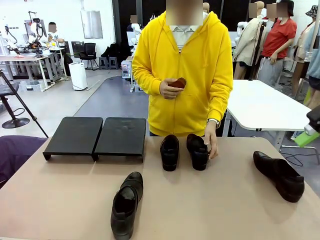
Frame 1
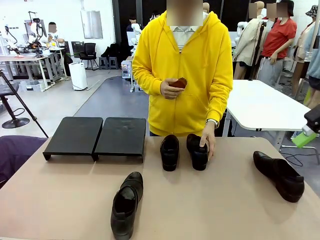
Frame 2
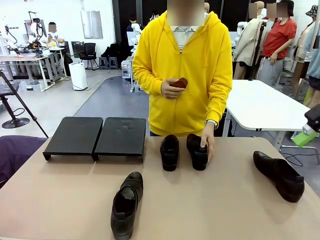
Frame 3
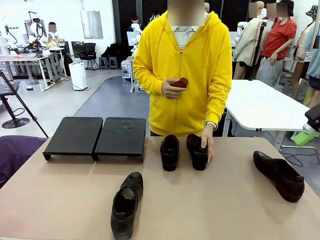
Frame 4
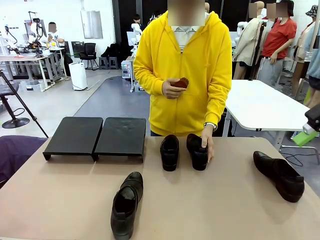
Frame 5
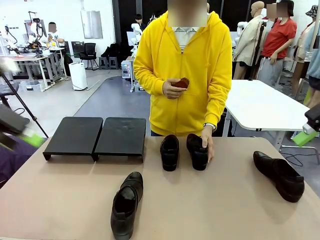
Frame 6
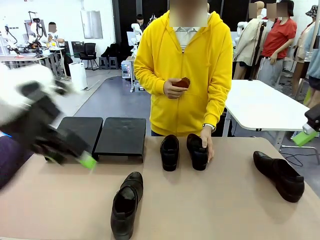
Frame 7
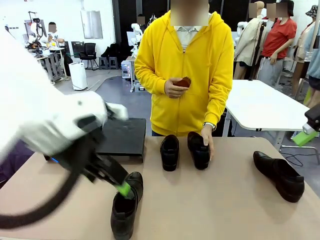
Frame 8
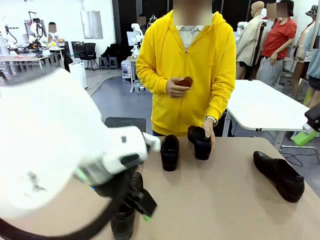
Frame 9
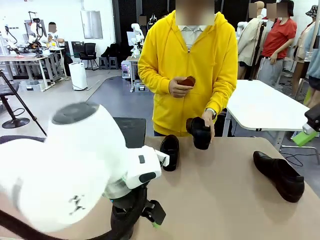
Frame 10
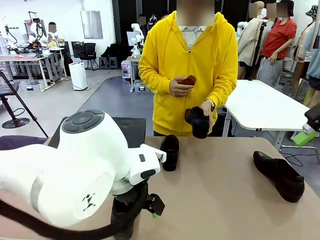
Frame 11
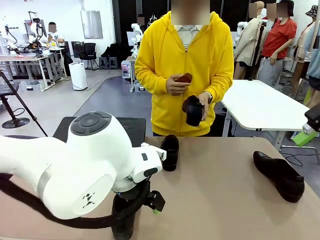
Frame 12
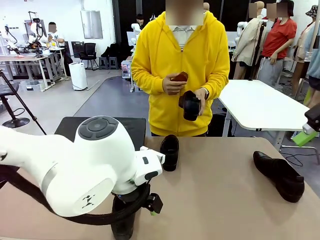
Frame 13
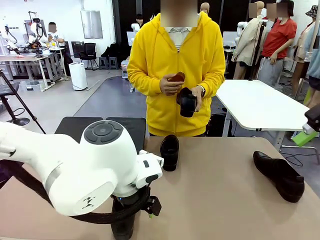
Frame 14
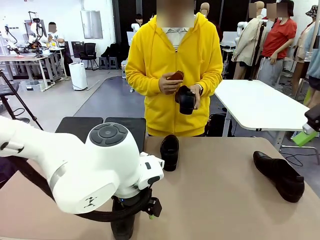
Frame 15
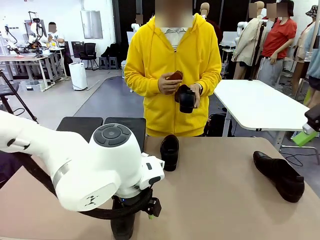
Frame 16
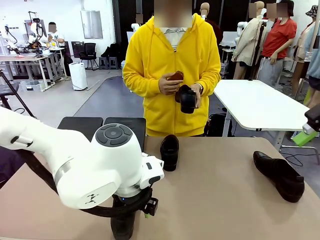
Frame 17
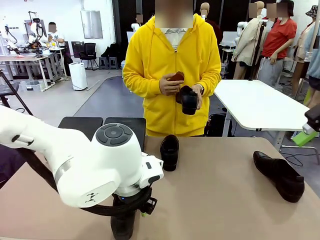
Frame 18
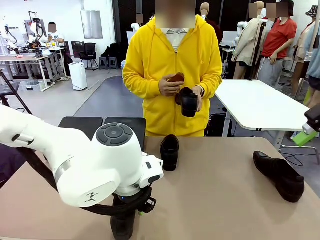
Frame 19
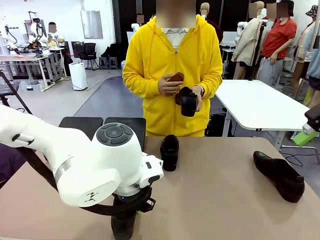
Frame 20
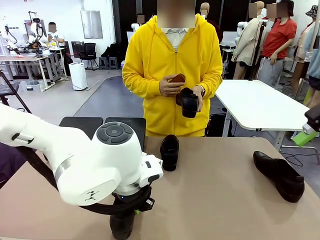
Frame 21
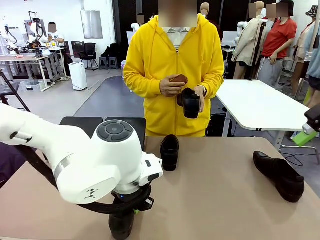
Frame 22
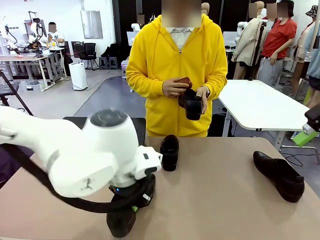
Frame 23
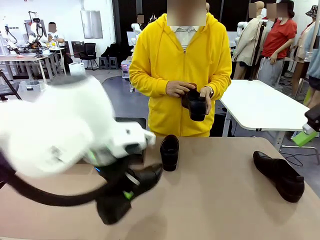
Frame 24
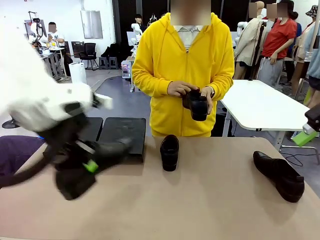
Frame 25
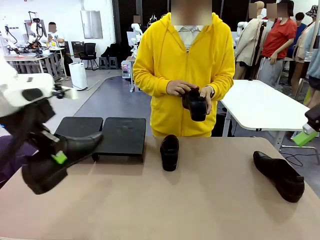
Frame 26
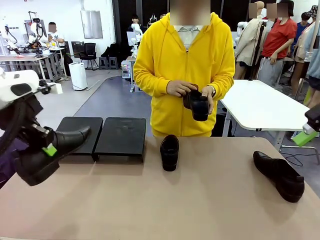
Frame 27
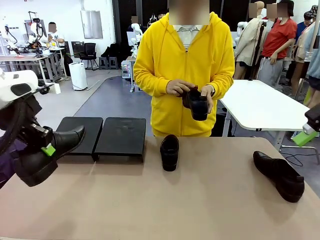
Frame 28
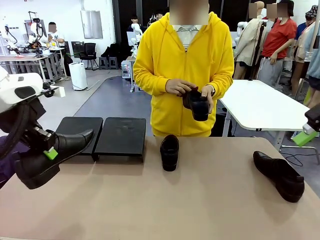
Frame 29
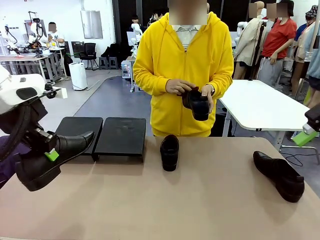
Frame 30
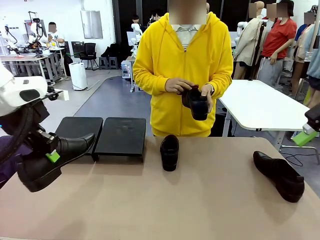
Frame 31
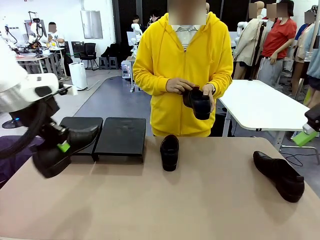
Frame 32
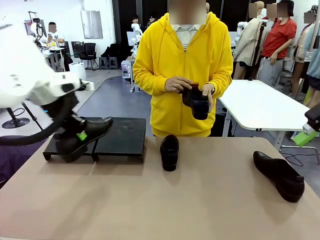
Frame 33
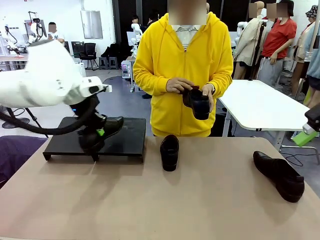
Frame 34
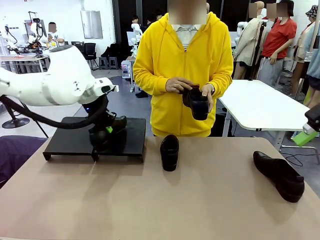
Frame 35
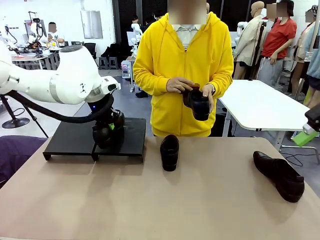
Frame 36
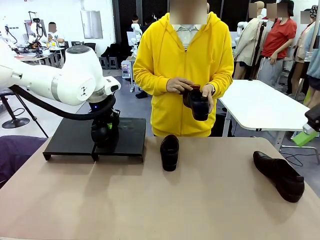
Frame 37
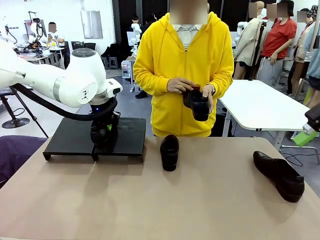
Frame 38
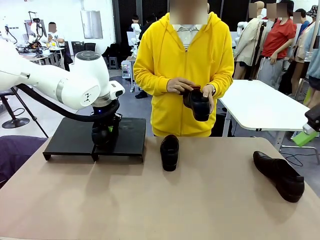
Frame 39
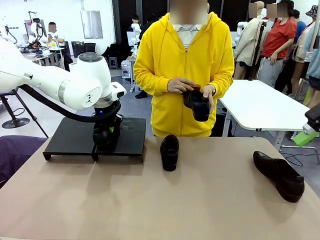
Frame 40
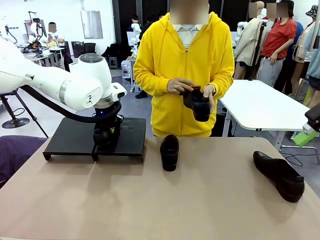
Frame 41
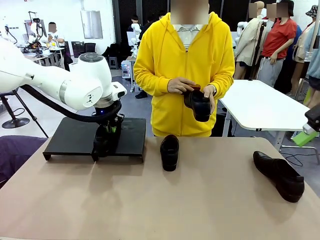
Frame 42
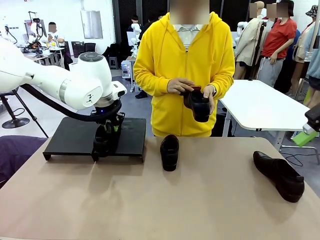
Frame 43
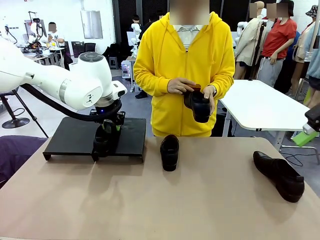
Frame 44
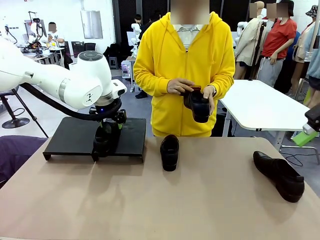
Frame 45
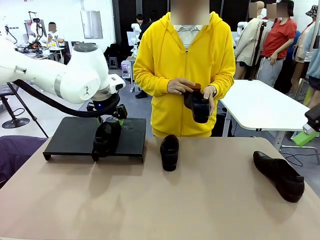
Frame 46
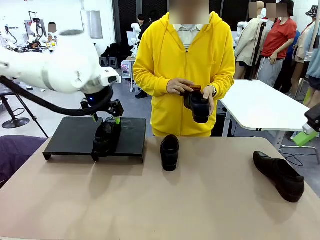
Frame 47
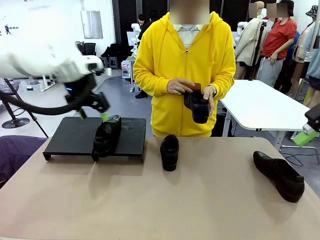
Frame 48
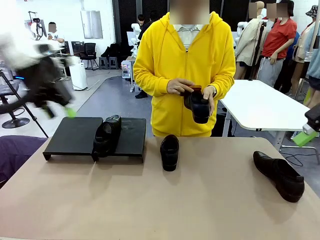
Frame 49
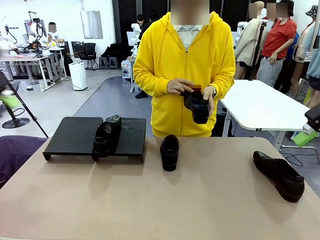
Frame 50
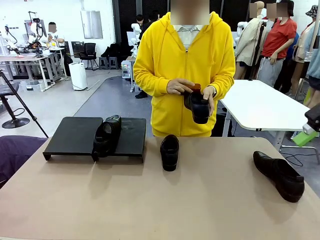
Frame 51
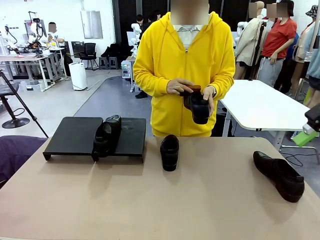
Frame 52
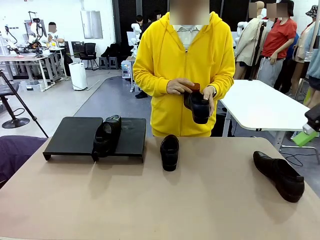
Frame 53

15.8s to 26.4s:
Task: Organize the shoes by placing them on the stand.
Robot: Place the Shoe from the middle of the table onto the Shoes Stand.
Person: Pick one Shoe on Robot's table. Clean the Shoe with the Shoe Brush.

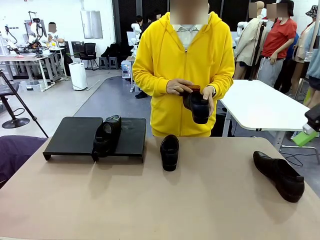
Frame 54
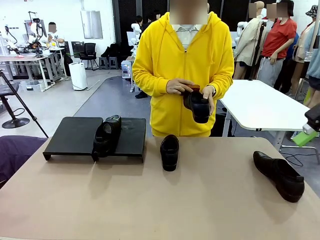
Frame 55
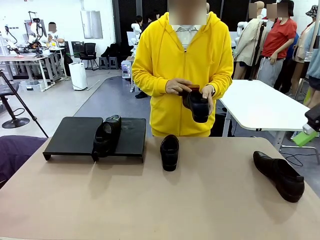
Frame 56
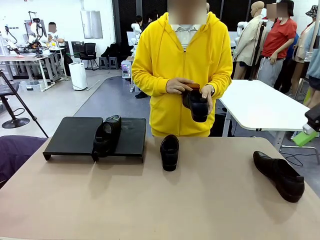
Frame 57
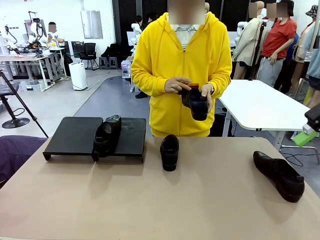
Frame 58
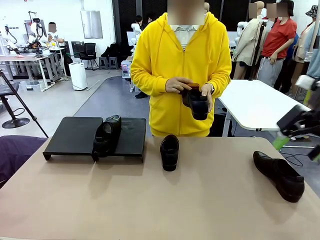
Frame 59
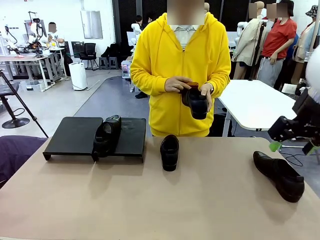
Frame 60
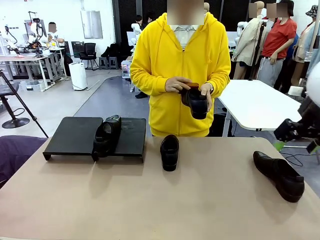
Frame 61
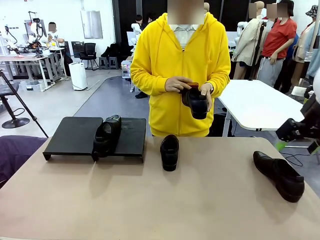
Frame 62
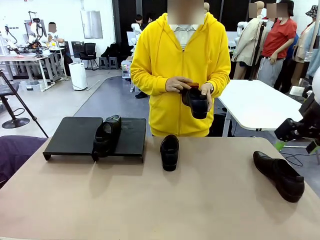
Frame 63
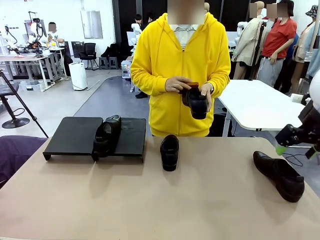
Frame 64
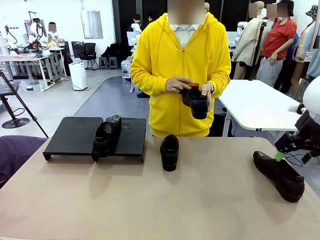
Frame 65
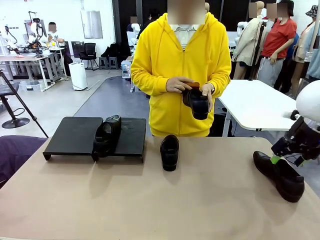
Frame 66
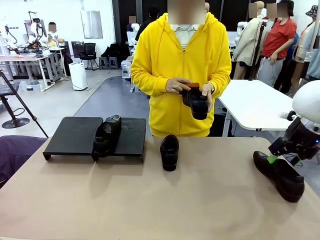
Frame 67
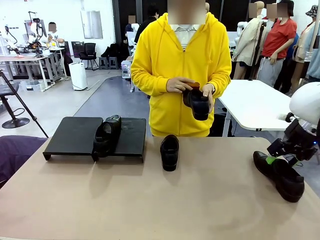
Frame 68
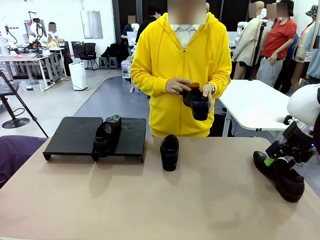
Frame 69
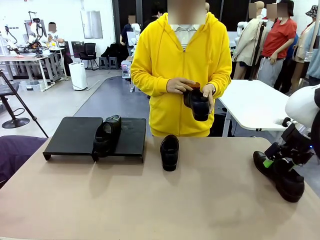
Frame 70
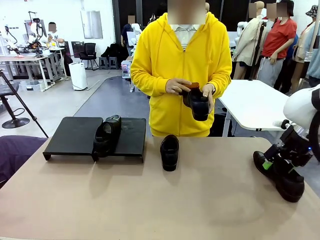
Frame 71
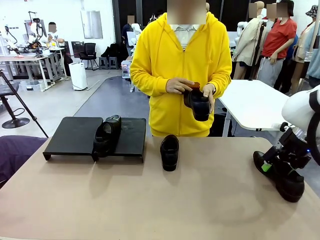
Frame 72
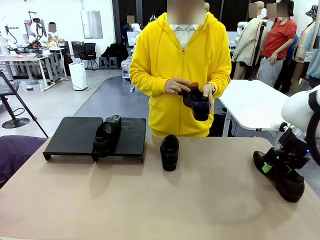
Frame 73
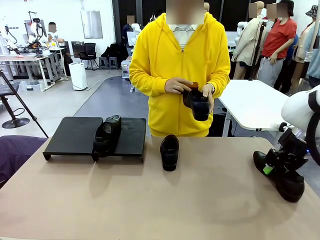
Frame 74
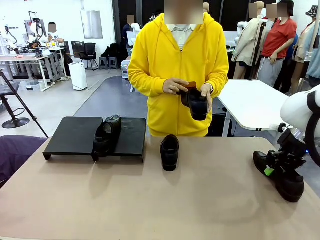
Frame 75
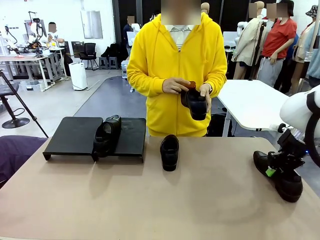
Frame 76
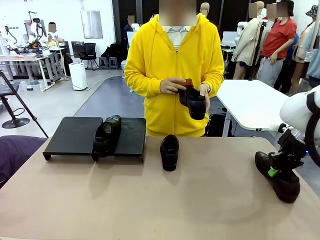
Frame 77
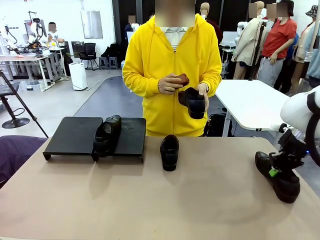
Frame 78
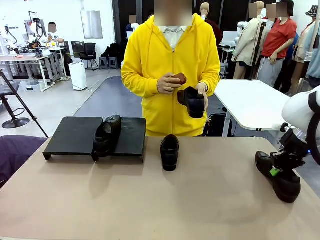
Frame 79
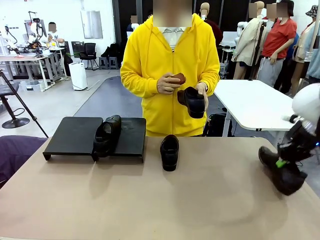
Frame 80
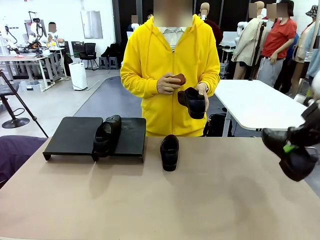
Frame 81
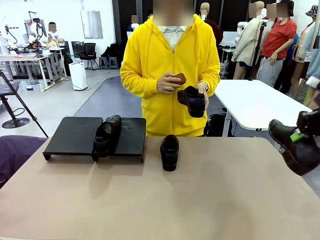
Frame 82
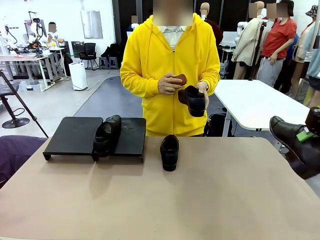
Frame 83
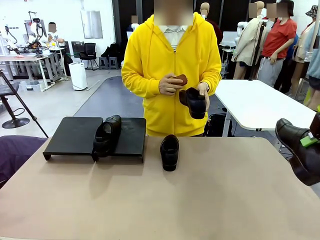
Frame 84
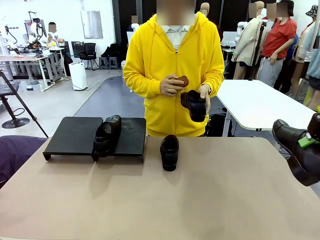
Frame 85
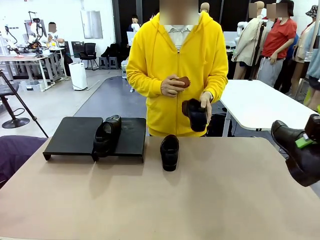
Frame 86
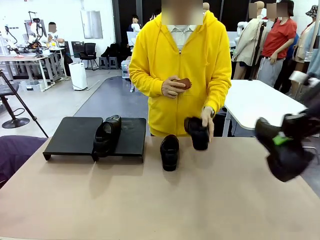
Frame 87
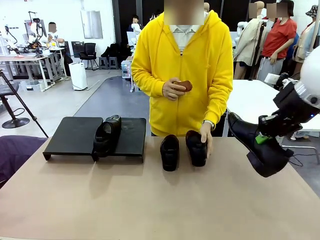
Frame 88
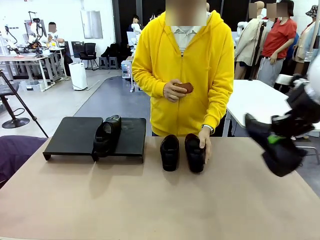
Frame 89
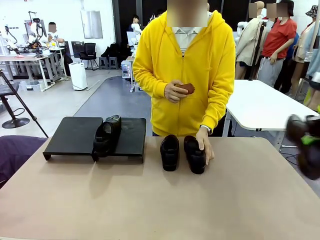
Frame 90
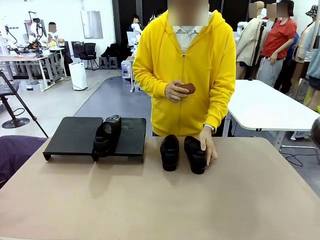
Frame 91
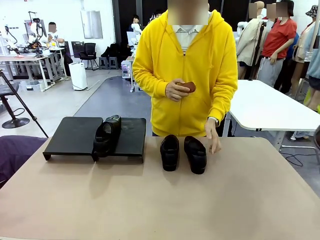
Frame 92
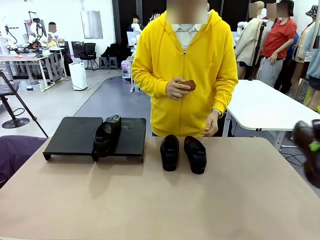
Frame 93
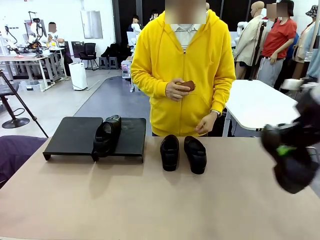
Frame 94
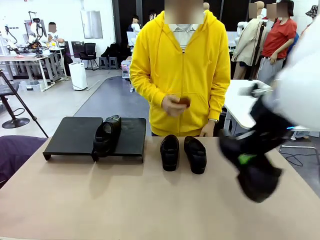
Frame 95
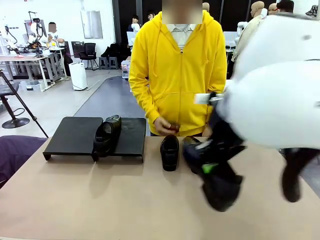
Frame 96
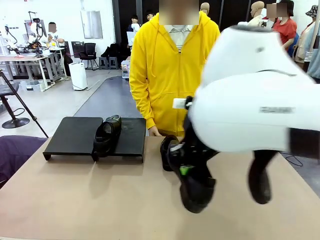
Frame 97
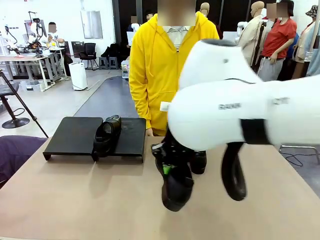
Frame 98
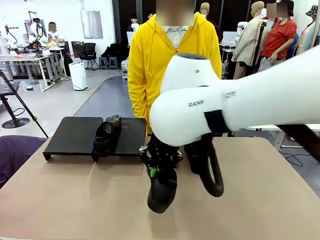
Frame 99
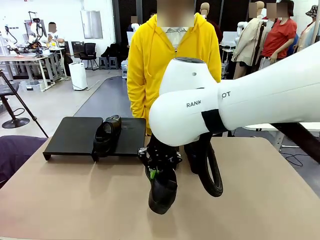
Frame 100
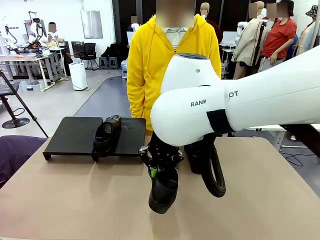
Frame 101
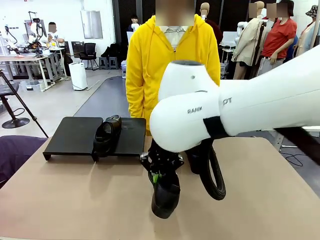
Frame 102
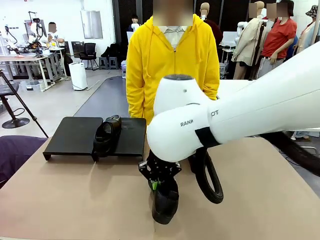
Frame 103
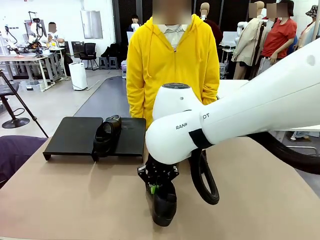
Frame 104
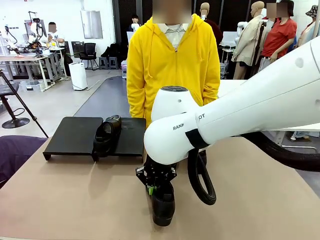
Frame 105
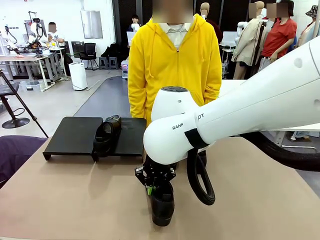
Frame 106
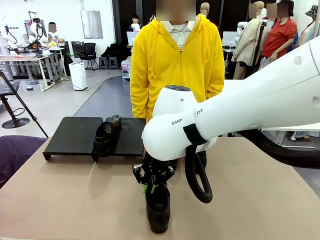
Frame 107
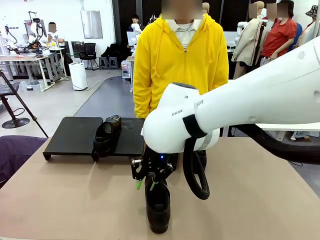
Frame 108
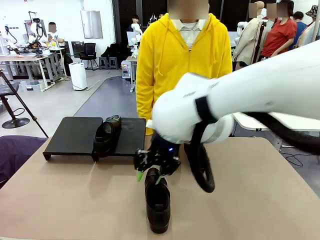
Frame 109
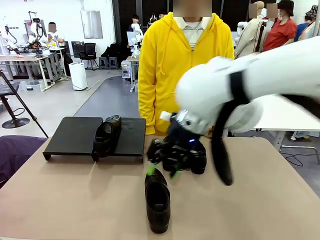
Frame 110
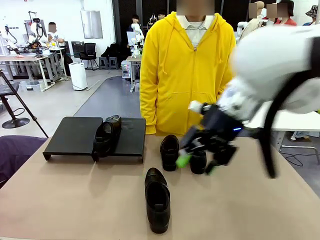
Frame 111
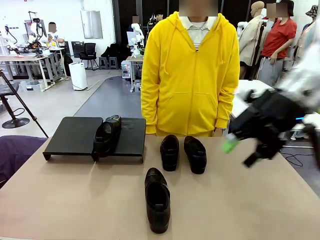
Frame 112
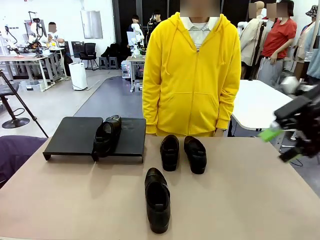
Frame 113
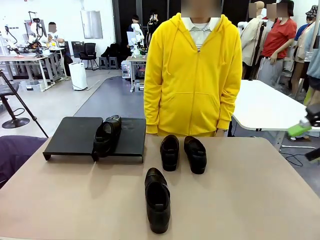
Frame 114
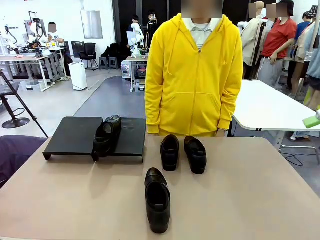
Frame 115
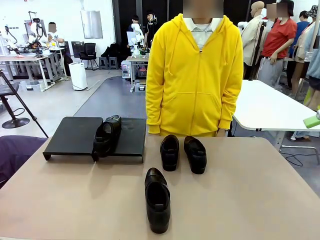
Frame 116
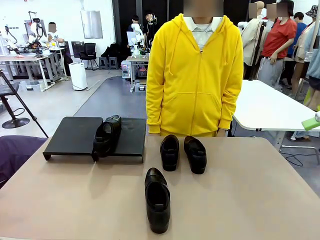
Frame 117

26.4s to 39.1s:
Robot: Pick up one Shoe and place it in the middle of the table.
